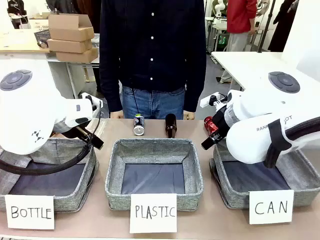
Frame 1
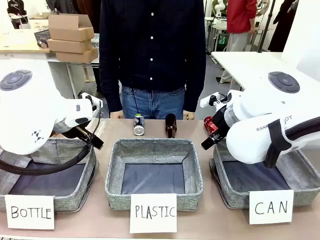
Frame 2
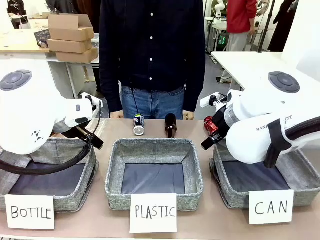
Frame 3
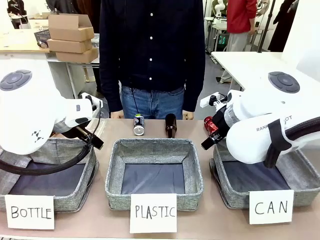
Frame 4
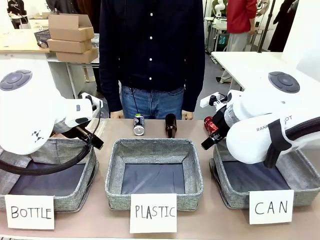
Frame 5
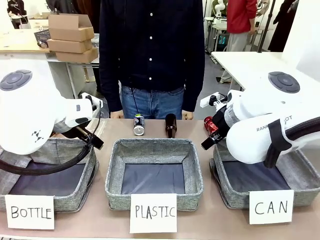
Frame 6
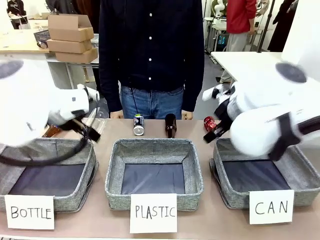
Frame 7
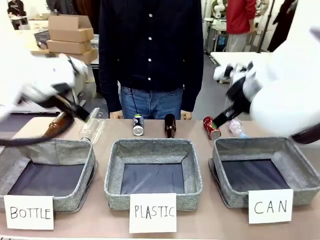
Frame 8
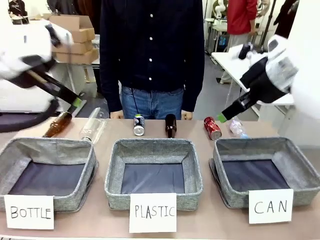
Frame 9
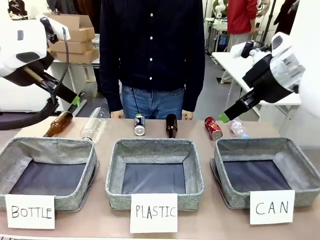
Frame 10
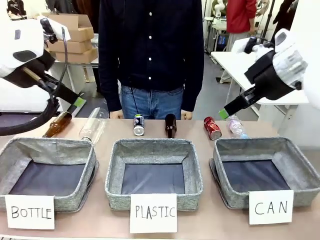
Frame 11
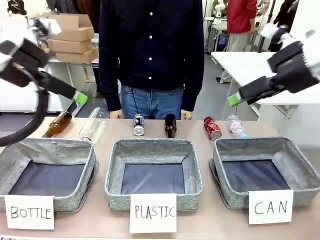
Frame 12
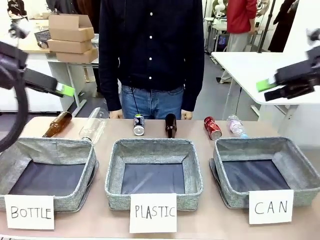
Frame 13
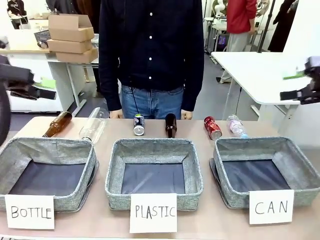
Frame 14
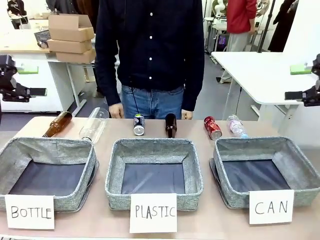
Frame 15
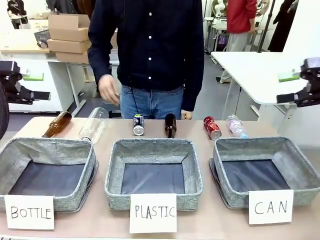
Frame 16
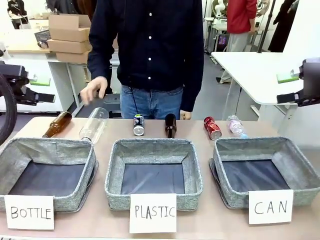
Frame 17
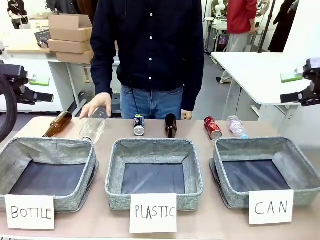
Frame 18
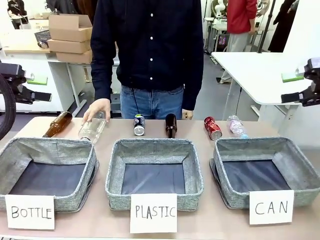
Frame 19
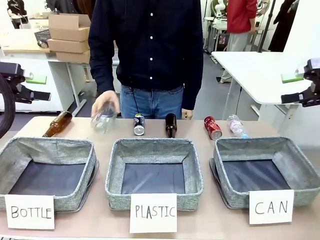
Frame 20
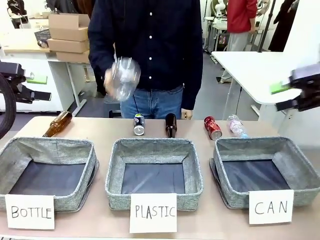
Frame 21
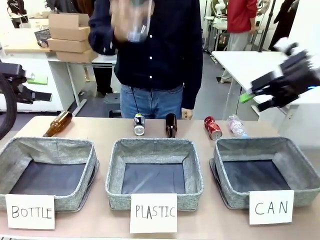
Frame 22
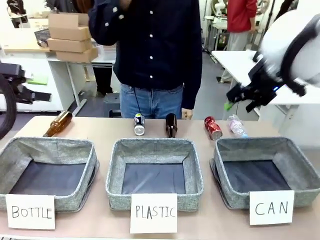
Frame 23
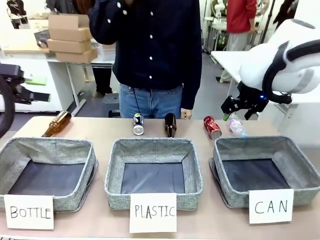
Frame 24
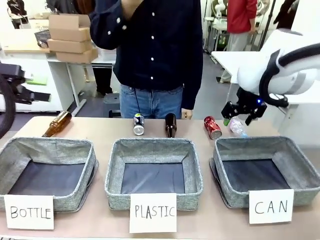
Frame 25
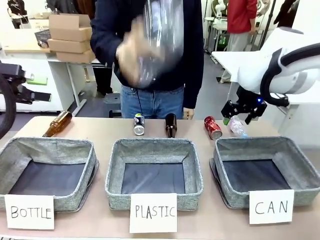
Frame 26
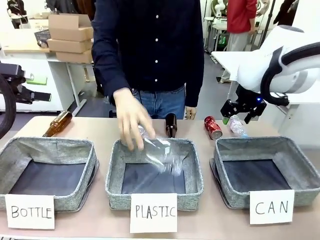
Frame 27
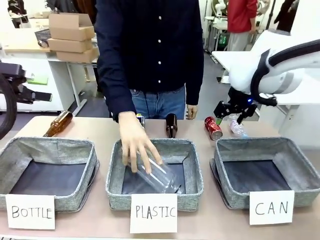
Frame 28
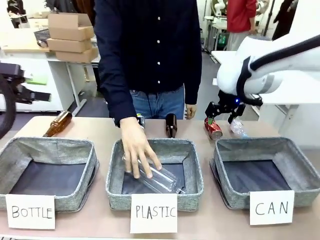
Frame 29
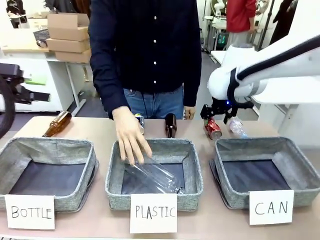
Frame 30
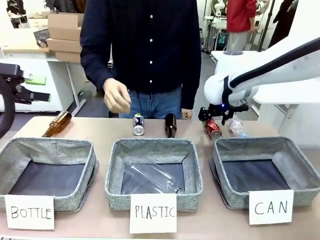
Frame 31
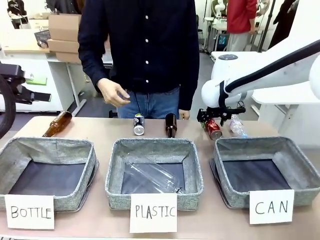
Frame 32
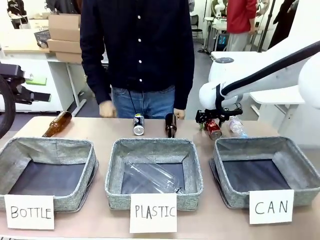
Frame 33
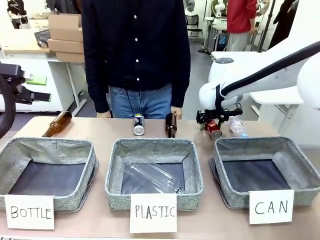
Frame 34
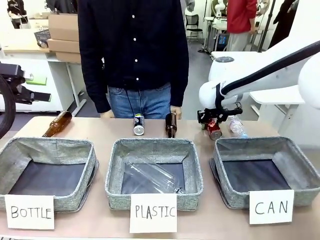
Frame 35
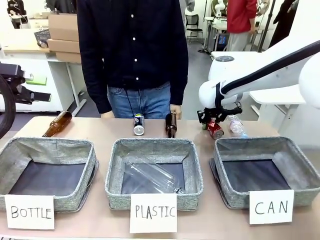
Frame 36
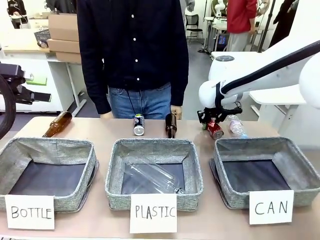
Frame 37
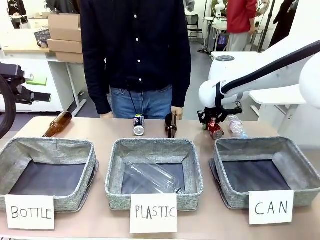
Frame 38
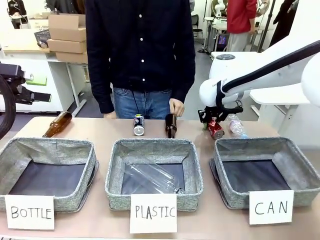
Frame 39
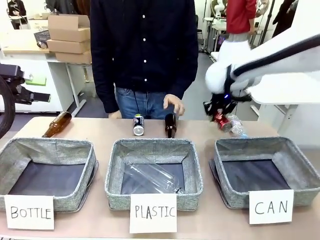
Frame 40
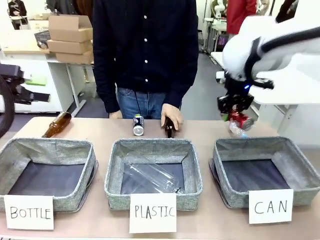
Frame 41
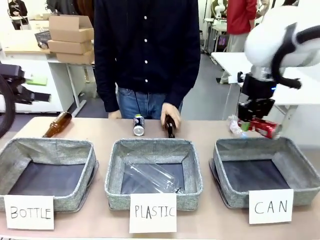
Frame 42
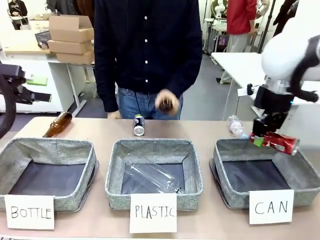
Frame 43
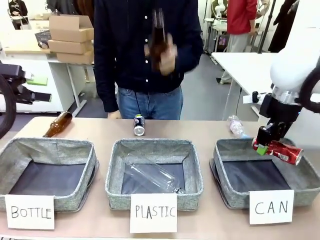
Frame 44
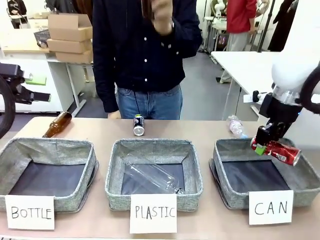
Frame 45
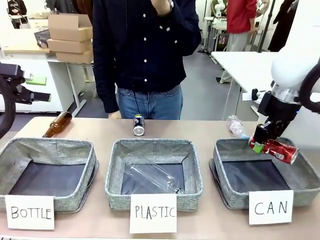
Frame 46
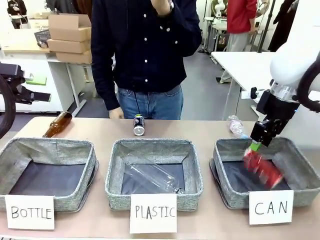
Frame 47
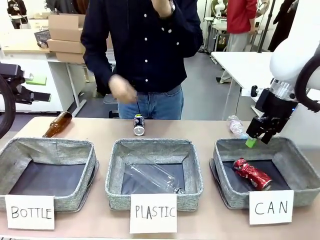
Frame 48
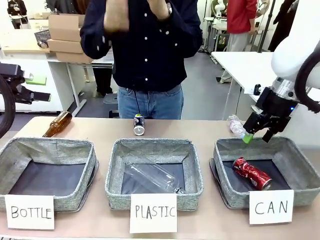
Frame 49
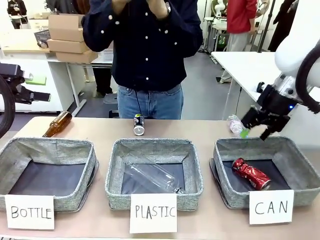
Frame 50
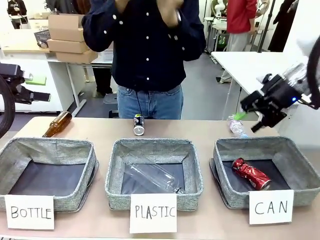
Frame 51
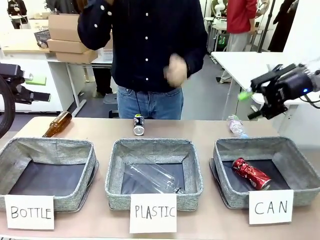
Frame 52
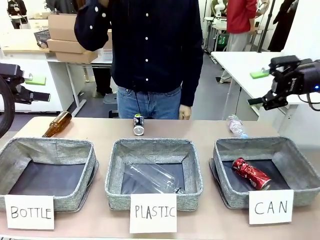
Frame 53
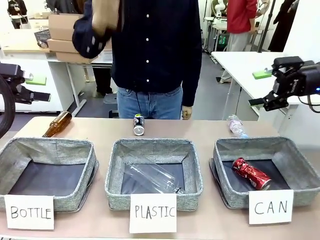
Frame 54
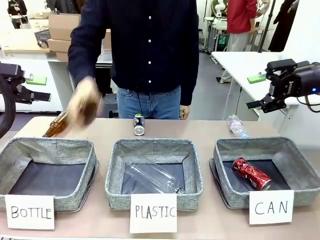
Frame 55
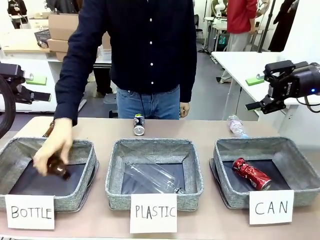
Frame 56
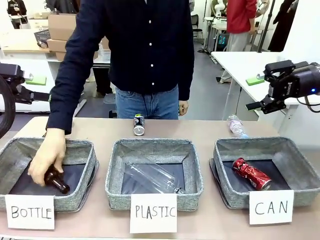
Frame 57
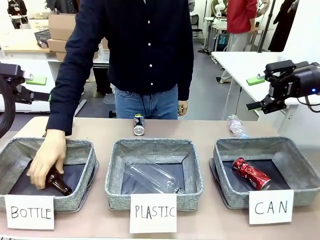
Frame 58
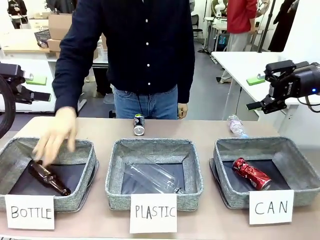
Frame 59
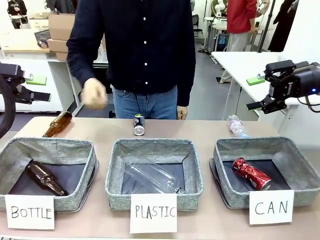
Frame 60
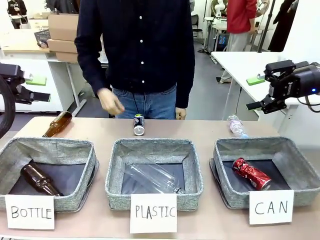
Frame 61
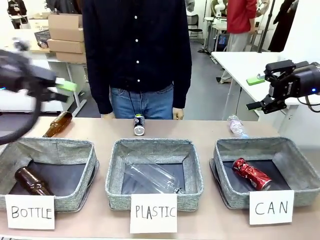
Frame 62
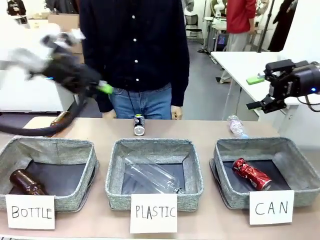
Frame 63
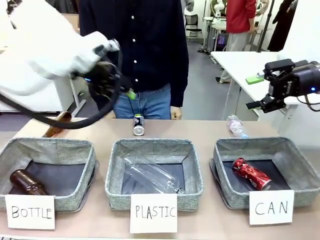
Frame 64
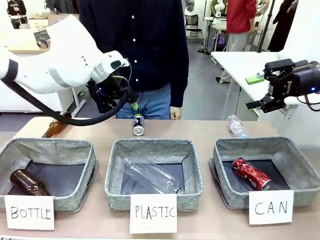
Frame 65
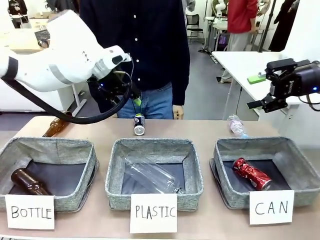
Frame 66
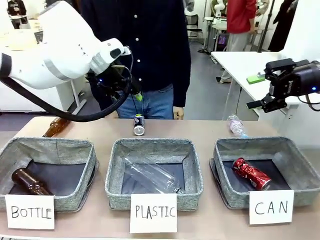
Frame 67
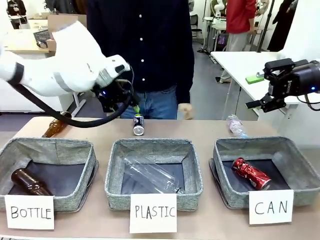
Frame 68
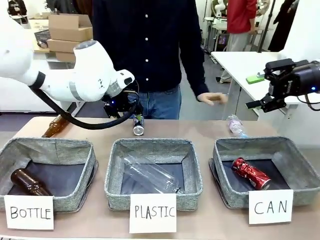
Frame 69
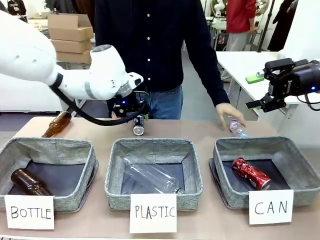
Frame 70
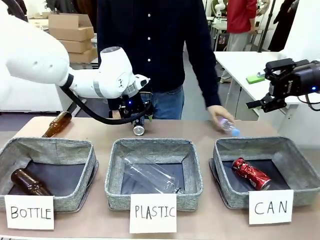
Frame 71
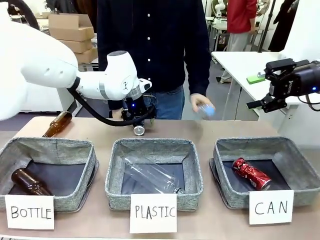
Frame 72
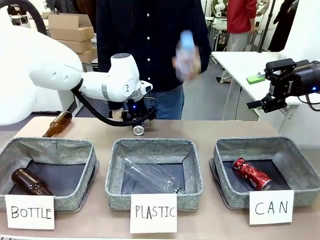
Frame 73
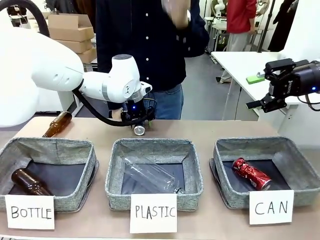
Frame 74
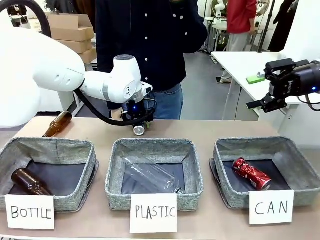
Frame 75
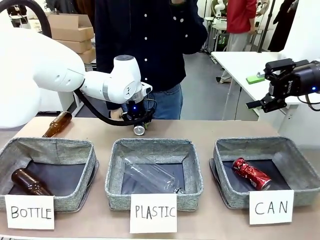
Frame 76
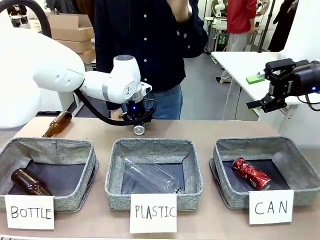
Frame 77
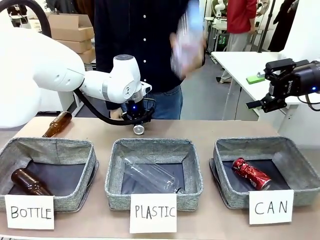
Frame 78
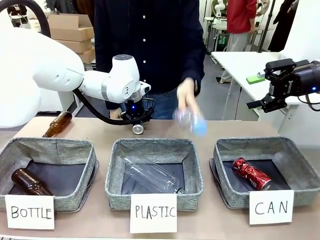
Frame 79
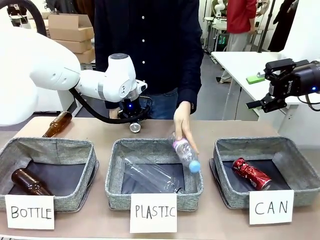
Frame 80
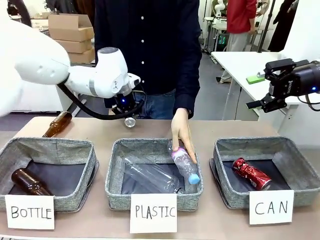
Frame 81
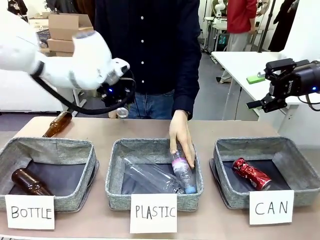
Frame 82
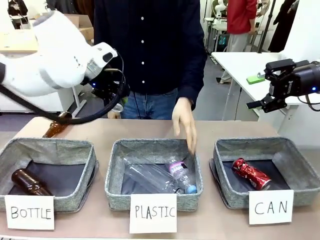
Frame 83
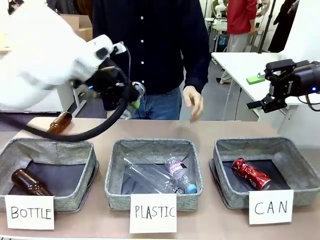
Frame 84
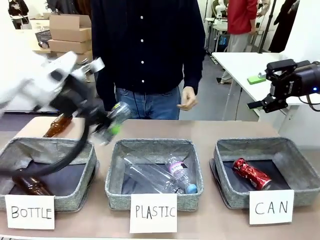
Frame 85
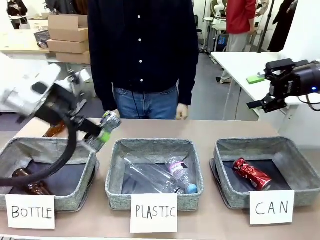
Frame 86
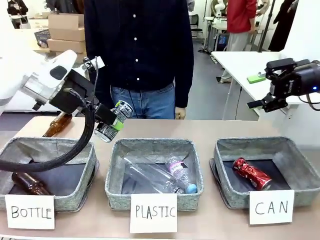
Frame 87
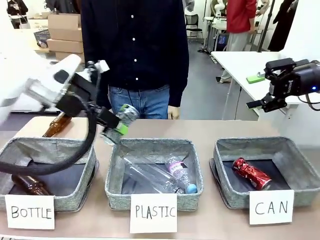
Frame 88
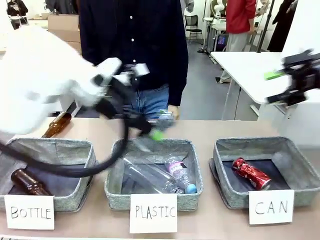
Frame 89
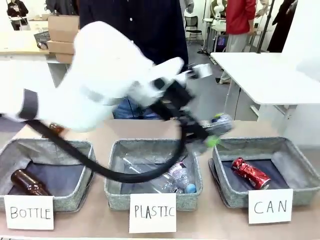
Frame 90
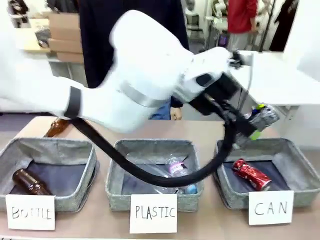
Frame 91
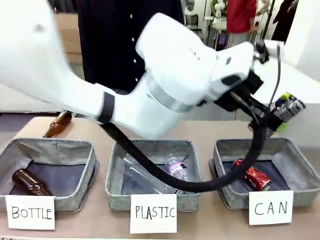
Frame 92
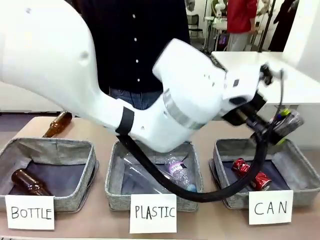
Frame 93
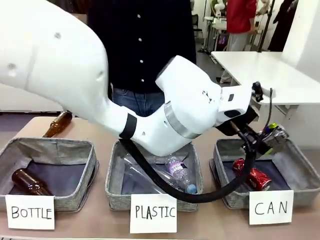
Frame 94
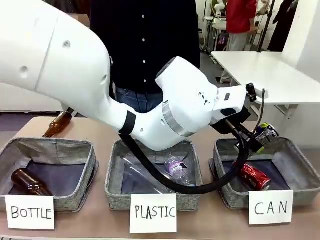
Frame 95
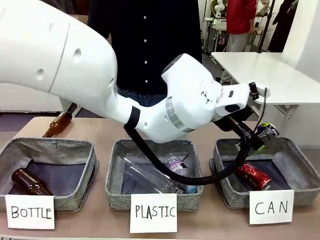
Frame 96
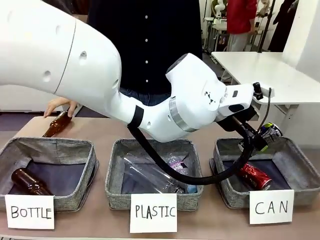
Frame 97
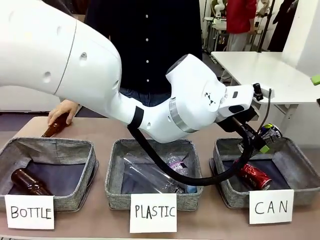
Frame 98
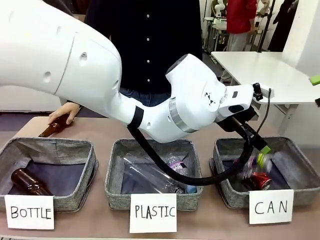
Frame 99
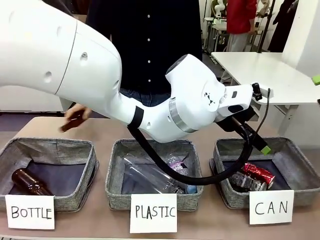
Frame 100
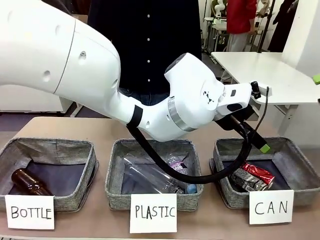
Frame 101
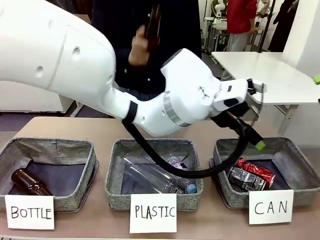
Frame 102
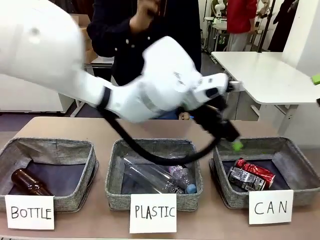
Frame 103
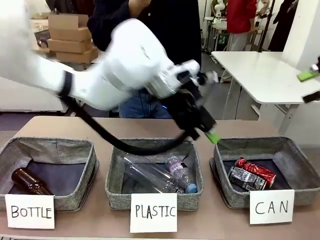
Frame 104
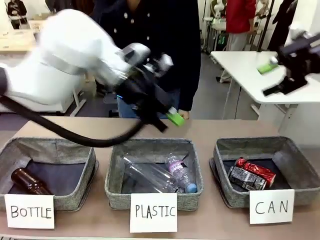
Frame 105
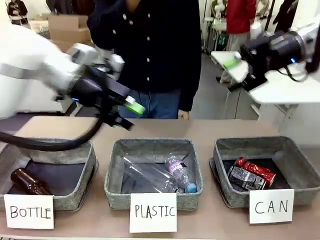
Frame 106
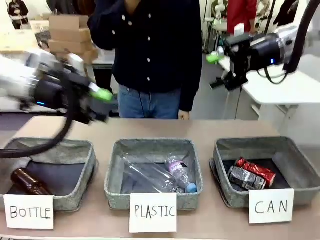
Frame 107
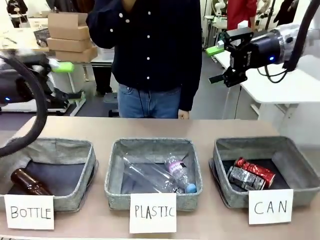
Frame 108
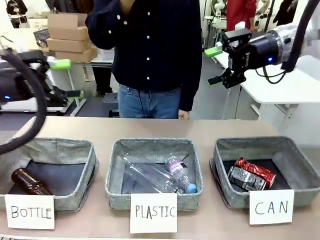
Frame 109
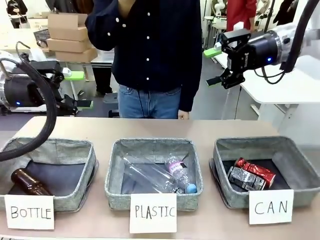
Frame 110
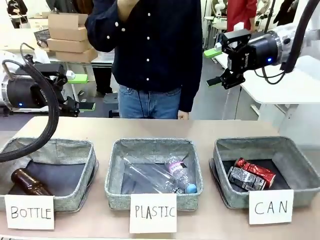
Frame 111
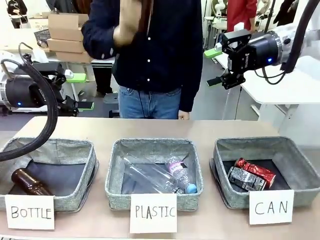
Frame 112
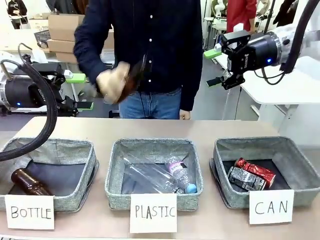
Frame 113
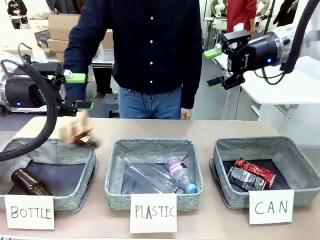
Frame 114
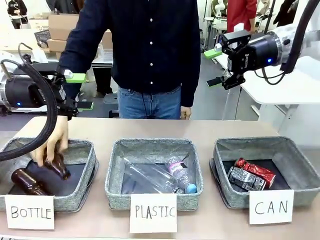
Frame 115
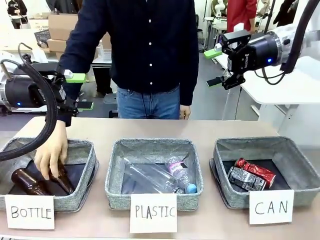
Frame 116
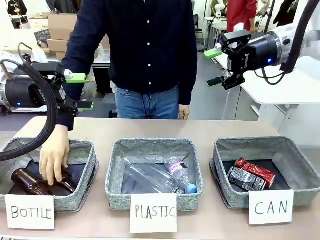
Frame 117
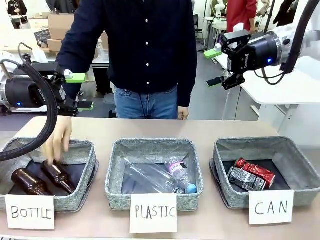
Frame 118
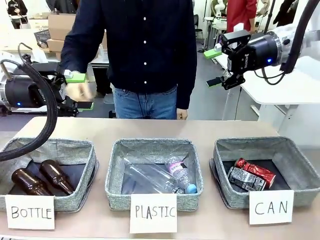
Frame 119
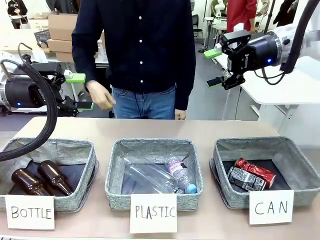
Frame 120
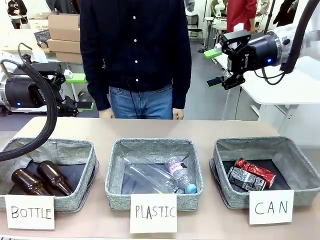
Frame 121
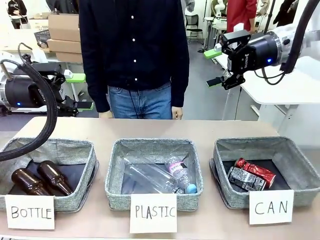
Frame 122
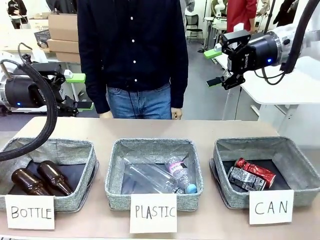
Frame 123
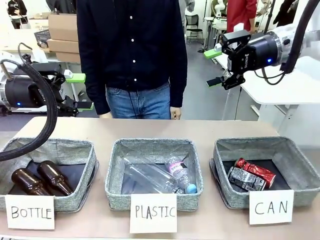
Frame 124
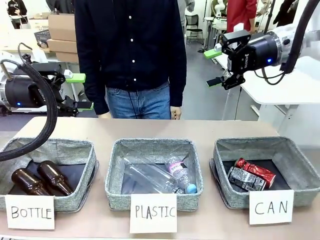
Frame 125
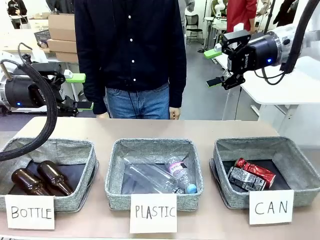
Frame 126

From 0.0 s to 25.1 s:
Task: Sort the can waste into the basket.
Robot: Pick up the can waste from the table and place it in the right Fabric basket.
Person: The human picks up one piece of trash that is not a can and places the trash into the appropriate organizing basket.
